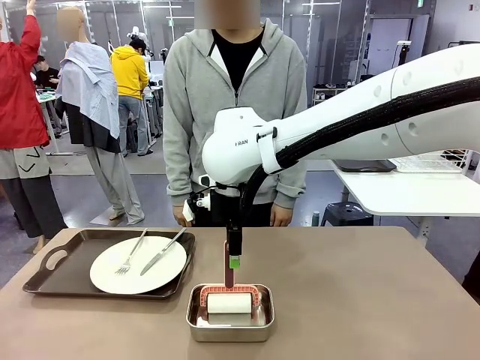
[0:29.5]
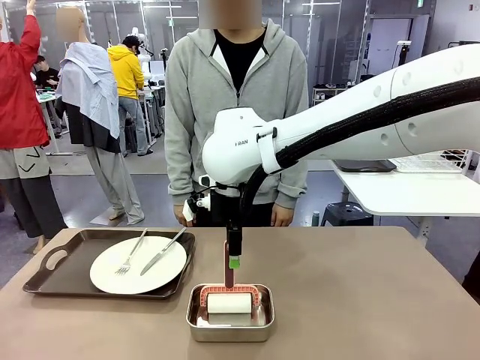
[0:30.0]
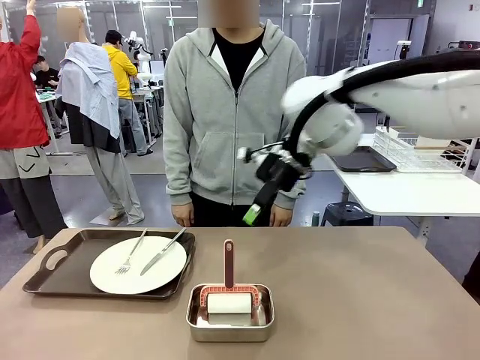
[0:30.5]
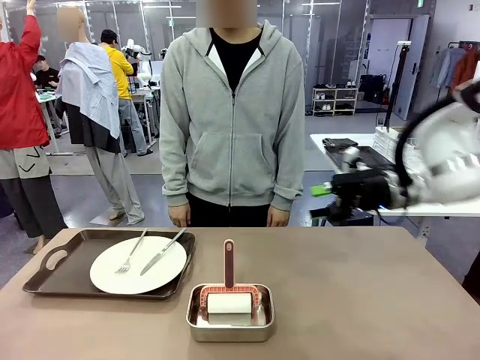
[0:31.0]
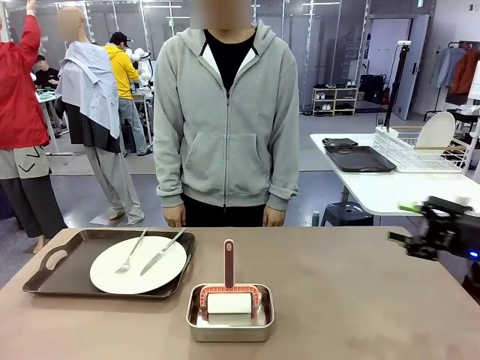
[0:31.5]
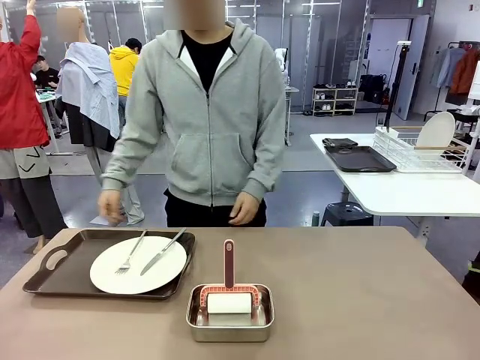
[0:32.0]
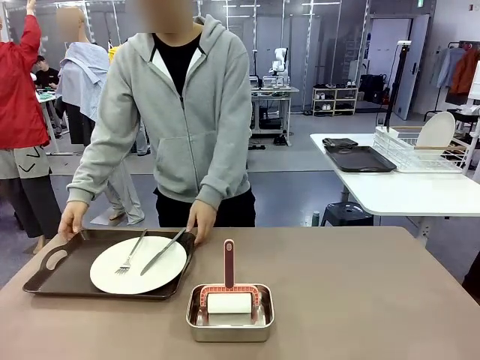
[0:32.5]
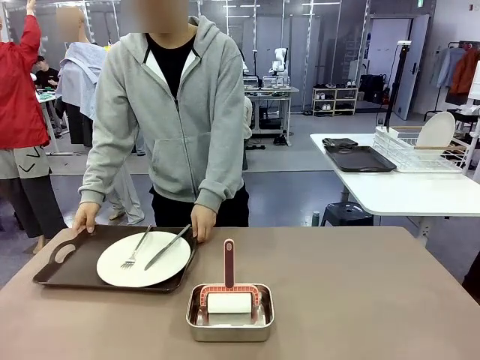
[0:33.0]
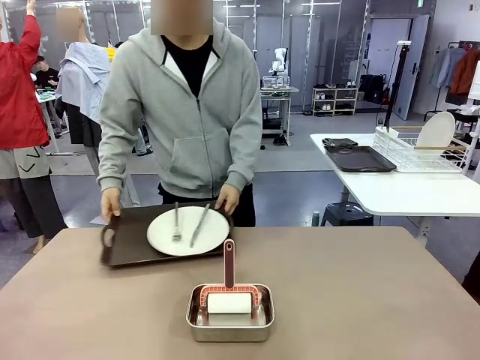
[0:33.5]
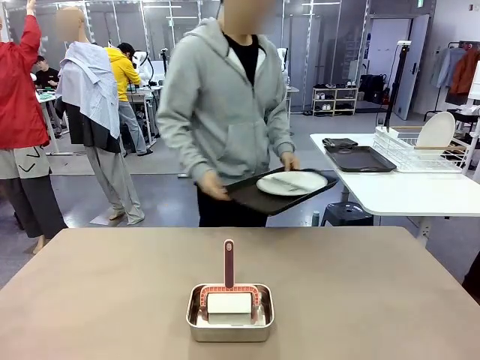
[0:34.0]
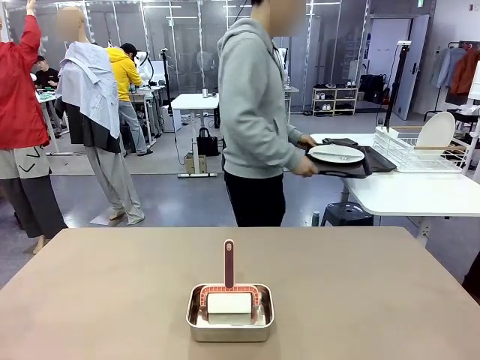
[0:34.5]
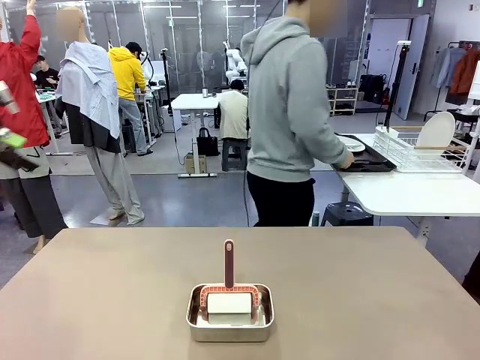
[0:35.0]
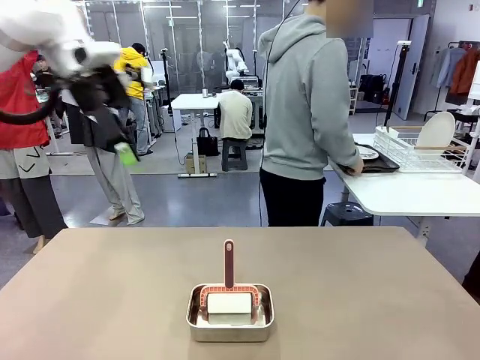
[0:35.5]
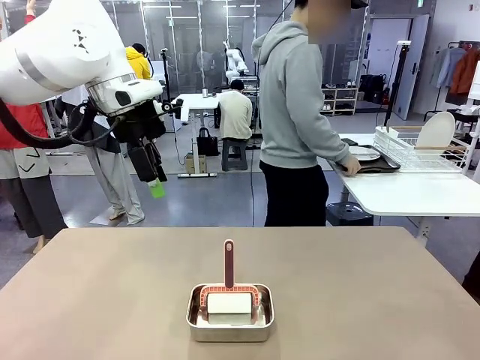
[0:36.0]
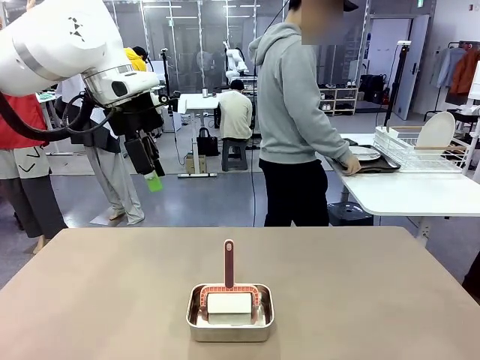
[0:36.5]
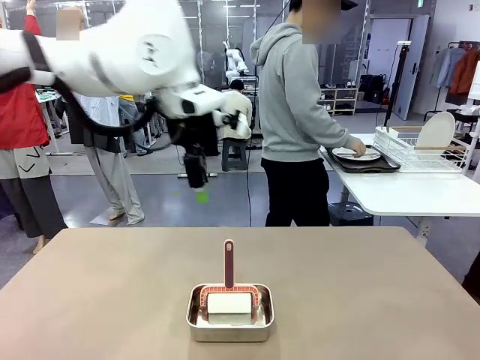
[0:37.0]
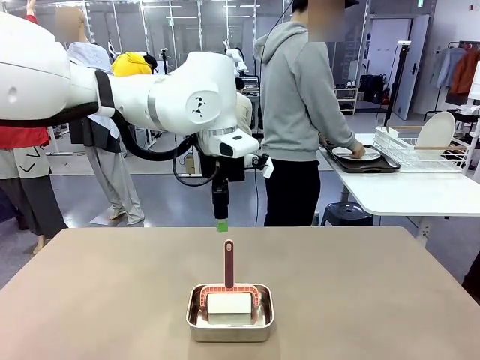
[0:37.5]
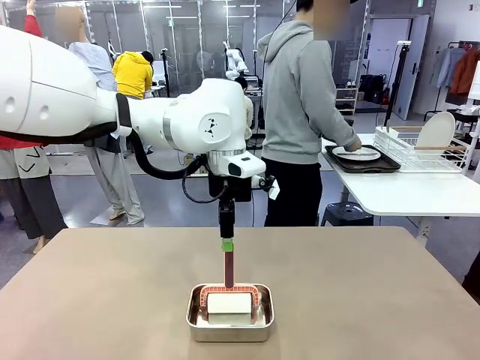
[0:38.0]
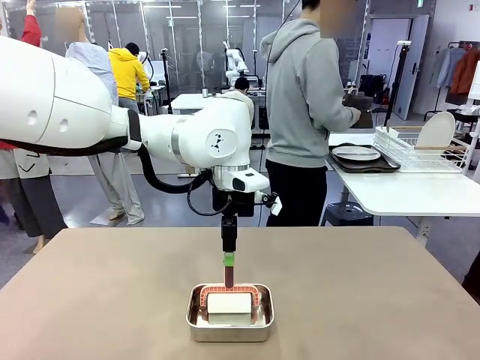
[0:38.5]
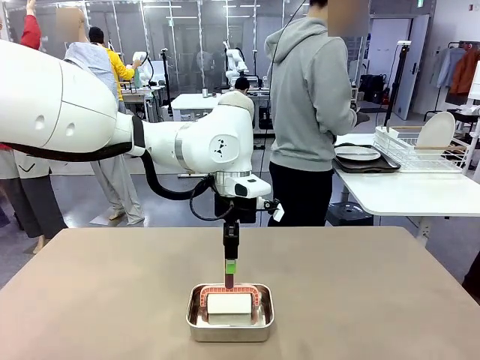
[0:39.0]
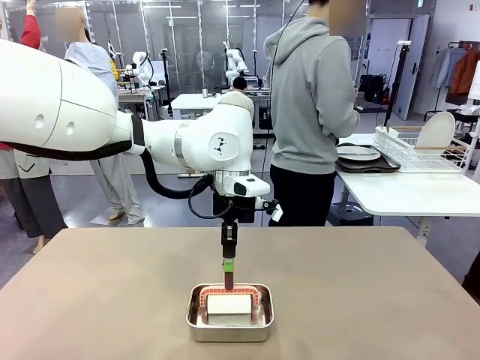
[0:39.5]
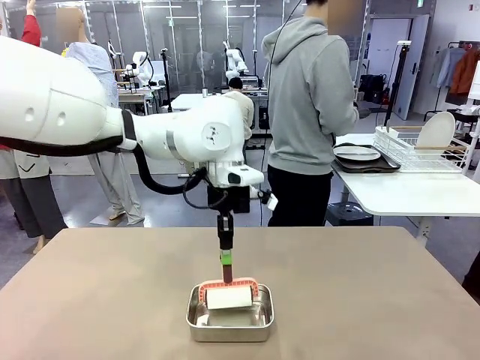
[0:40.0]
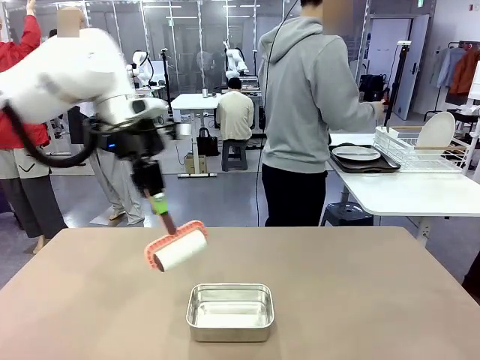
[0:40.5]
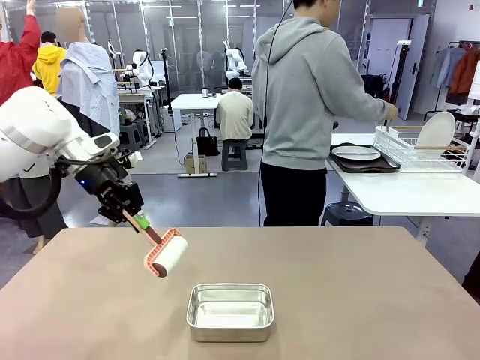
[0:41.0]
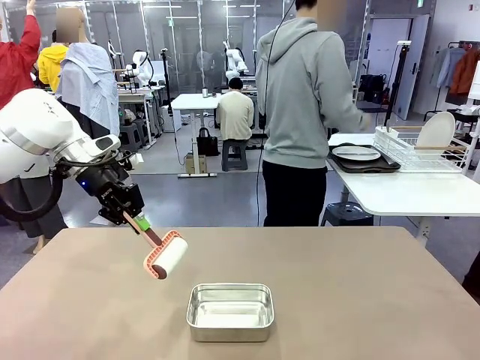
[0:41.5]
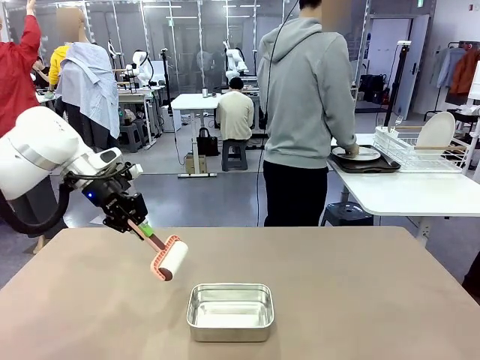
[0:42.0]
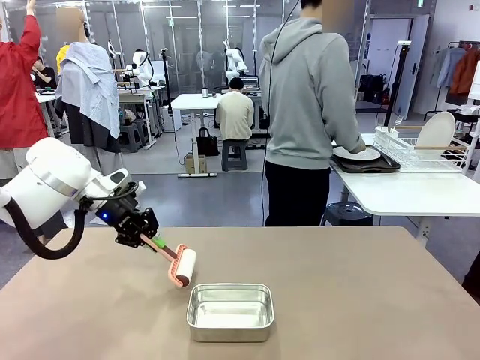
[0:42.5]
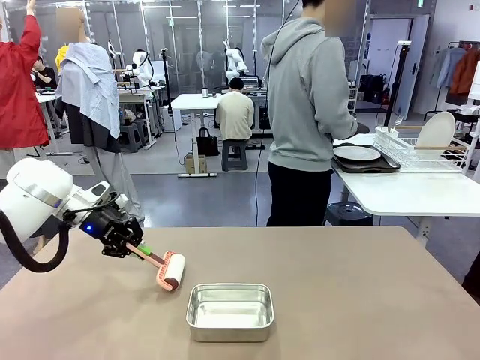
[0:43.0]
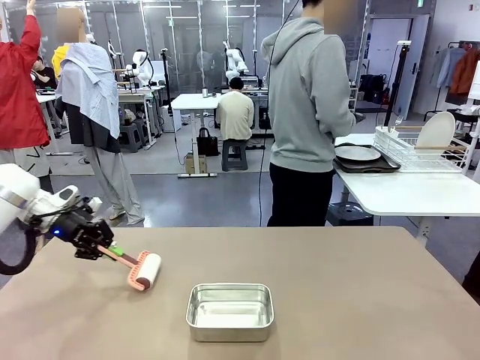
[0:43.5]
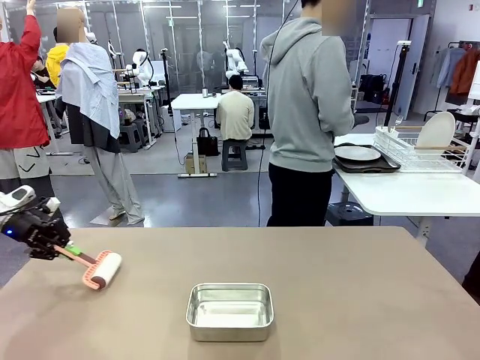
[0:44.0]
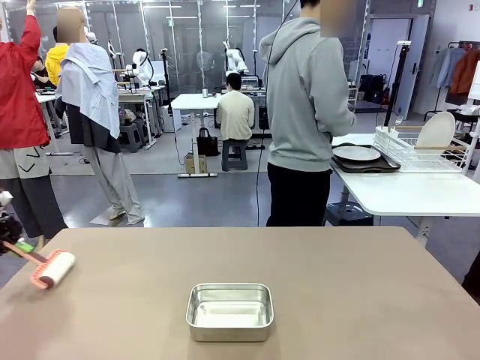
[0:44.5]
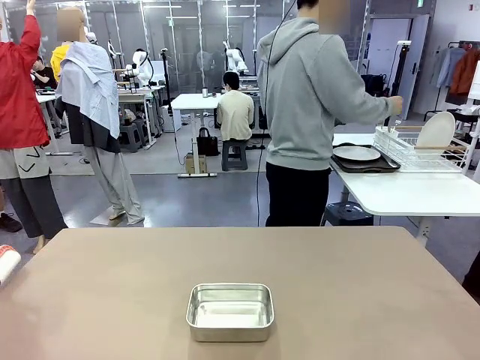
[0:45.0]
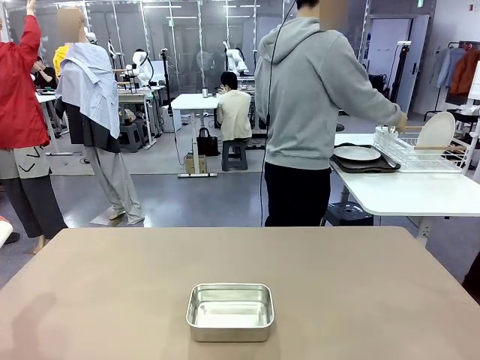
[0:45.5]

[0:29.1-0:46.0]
Robot: When the right (or left) Handle tray is removed, use the right hand (or left hand) to clean the right (or left) side of the table with the Lint Roller.
Person: Pick up the left (or right) Handle tray and place it on the Handle tray.

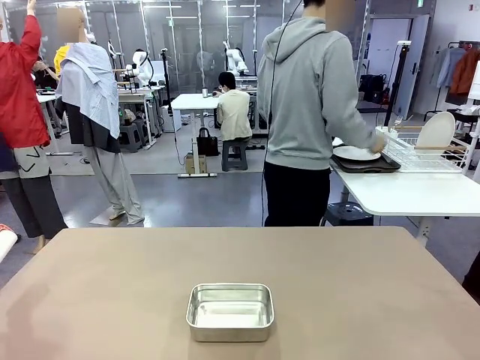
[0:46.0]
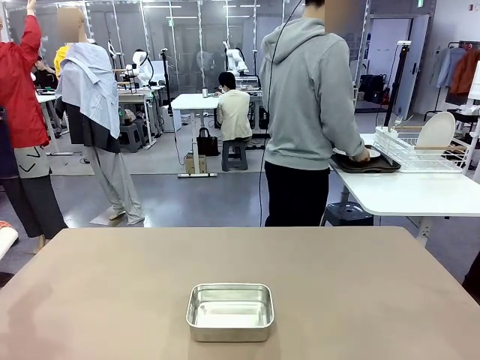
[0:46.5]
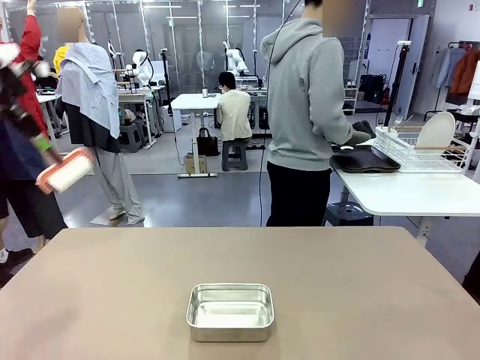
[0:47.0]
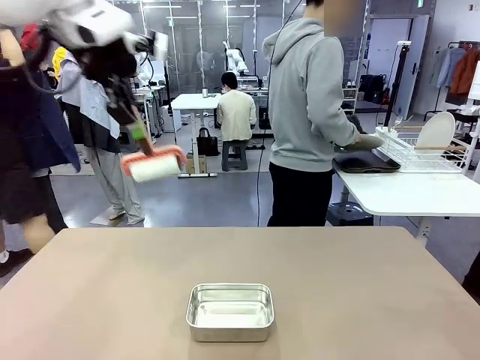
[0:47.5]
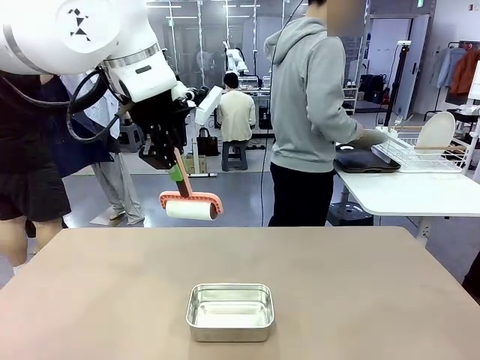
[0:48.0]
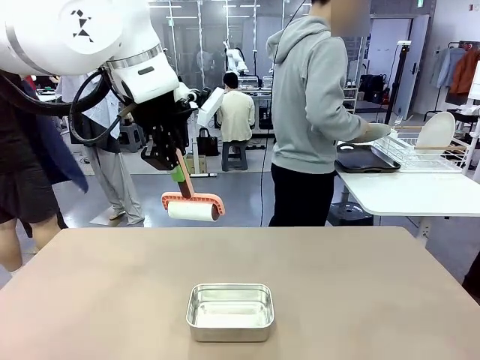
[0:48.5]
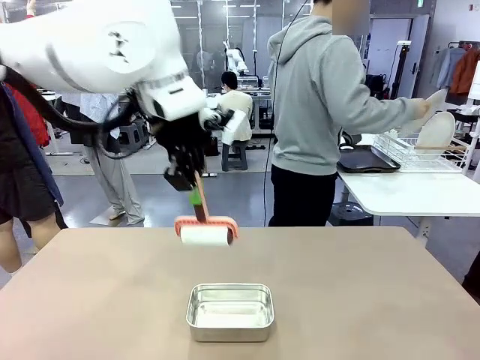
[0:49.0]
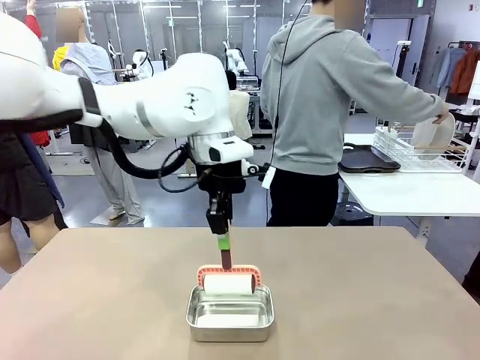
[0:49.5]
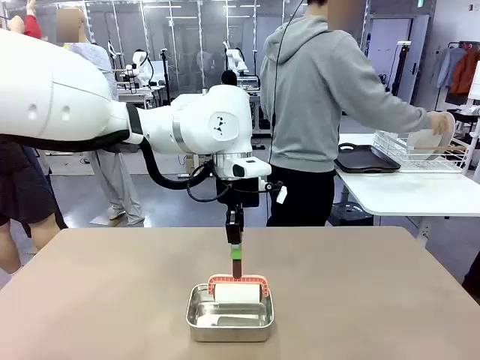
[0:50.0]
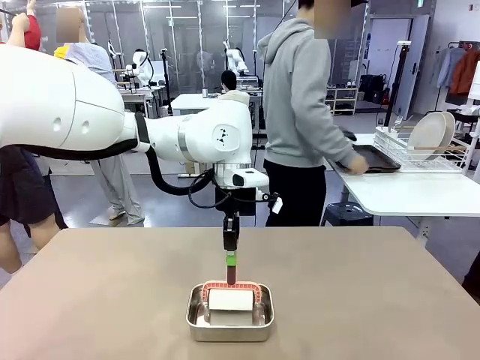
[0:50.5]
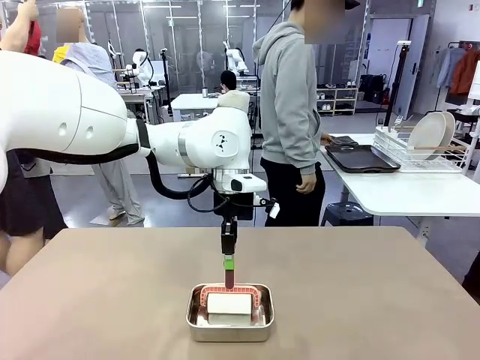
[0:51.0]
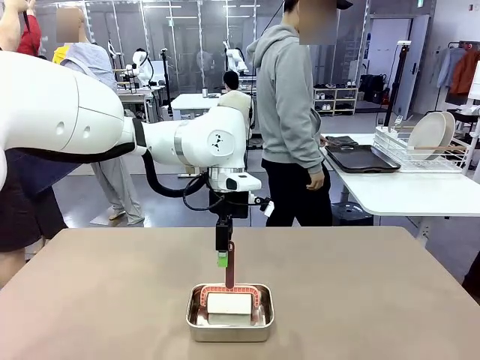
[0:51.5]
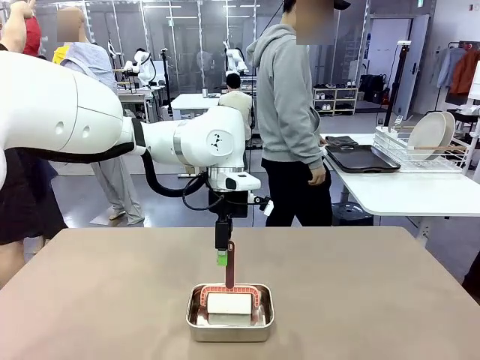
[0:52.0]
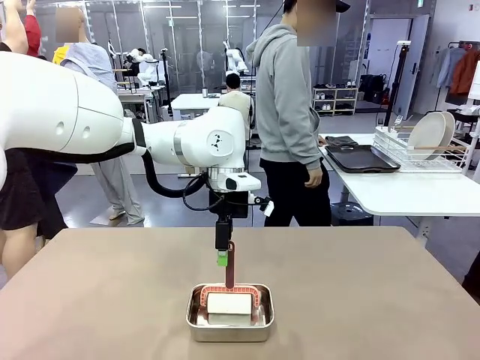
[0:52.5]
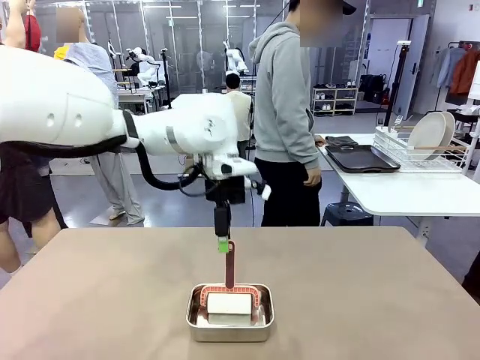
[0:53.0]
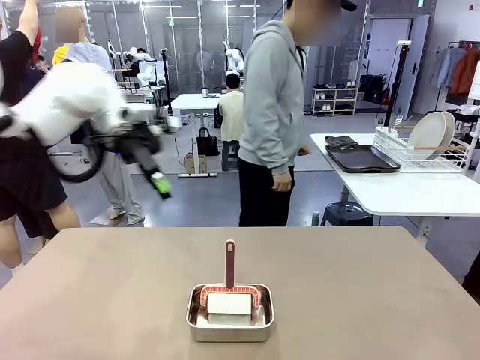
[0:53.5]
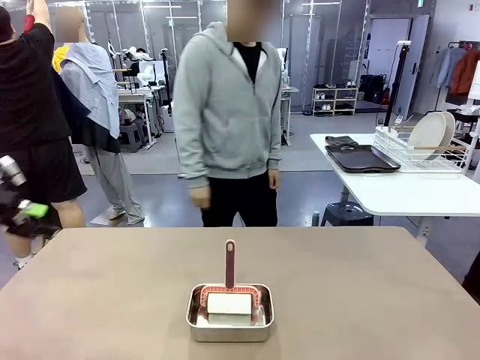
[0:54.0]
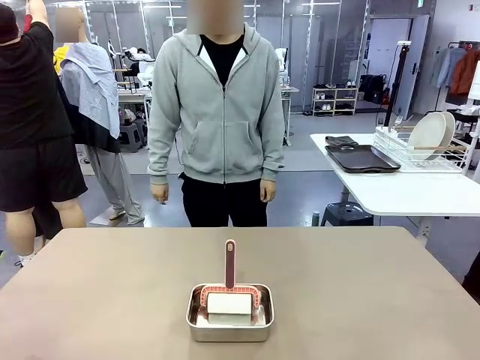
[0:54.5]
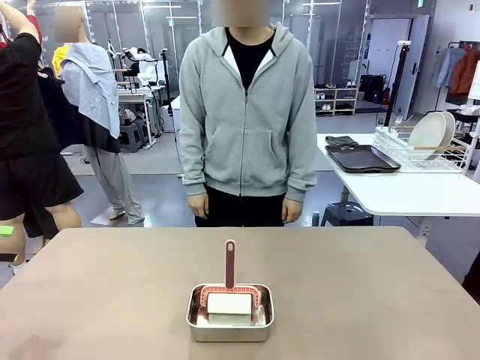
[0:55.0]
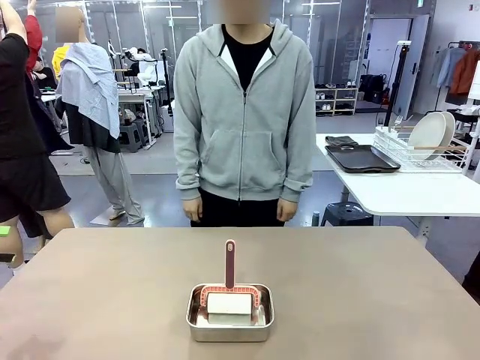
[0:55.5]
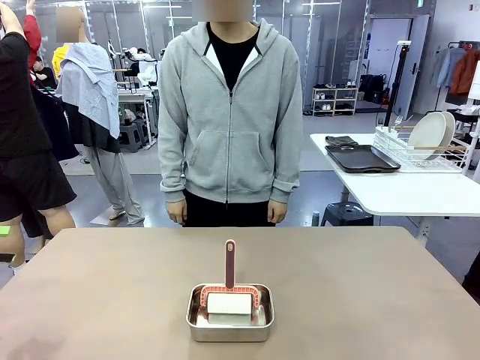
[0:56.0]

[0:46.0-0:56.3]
Robot: Place the Lint Roller back on top of the Airtight Container.
Person: Use the Towel with hook to wipe the Plastic Matte Plate , Fork , and Knife and place into the Dish drying rack.
